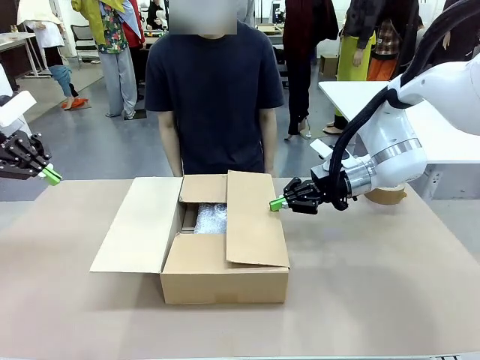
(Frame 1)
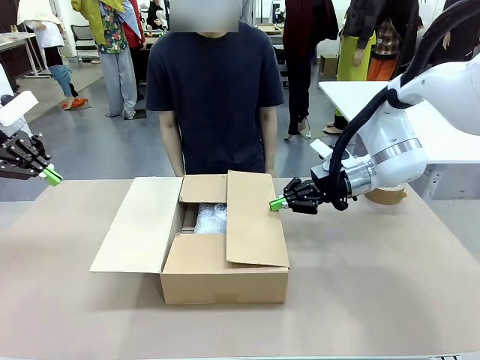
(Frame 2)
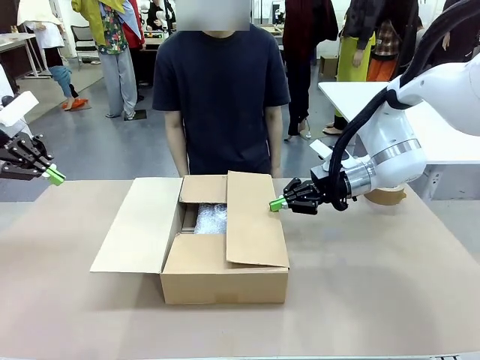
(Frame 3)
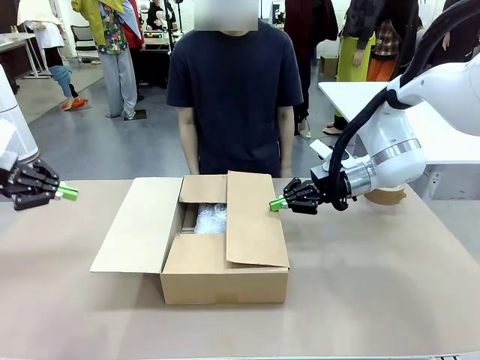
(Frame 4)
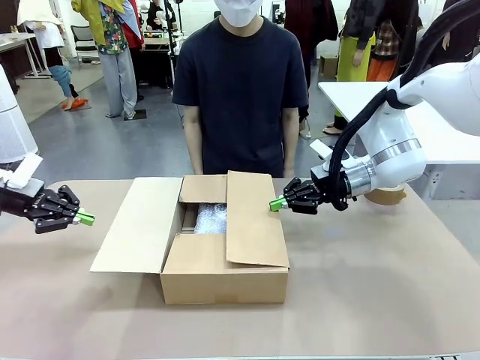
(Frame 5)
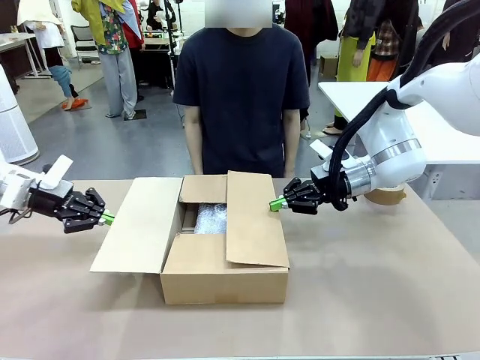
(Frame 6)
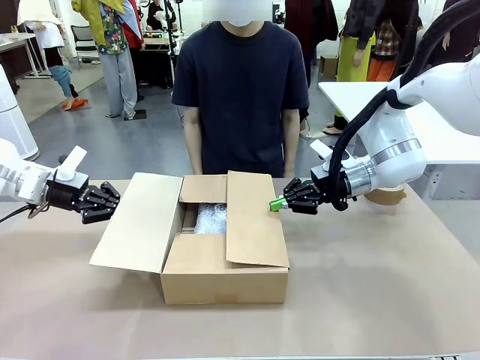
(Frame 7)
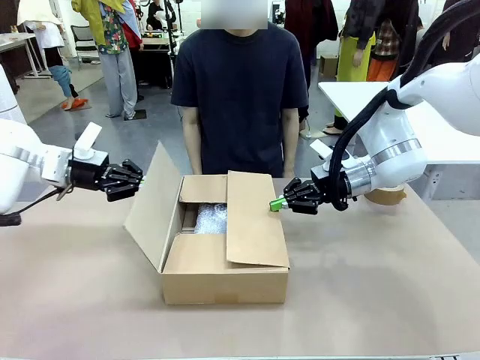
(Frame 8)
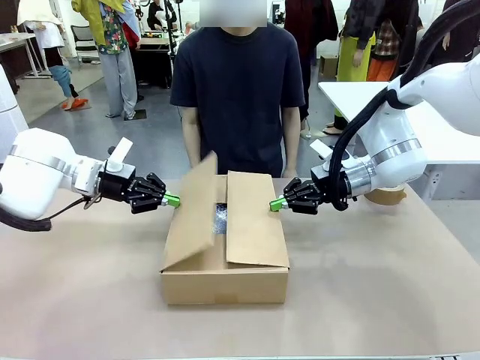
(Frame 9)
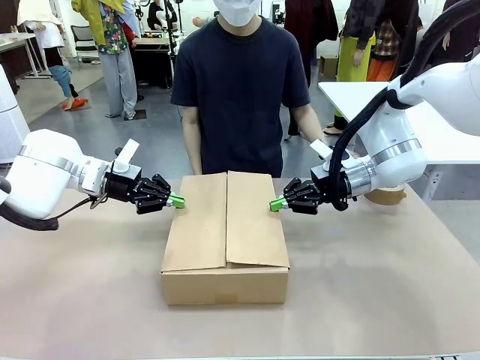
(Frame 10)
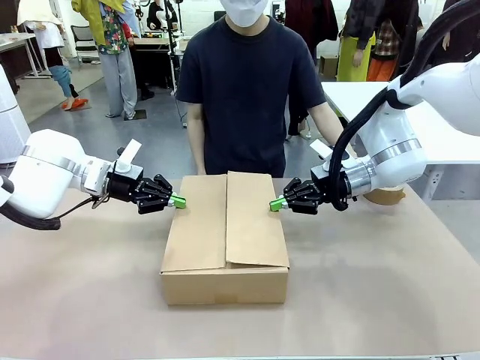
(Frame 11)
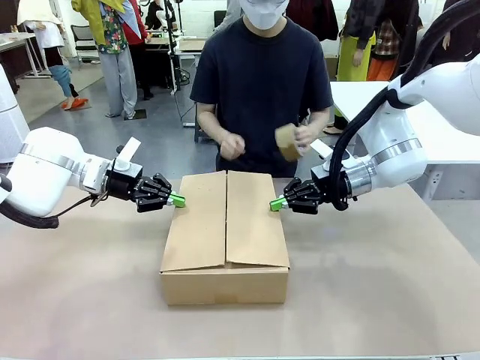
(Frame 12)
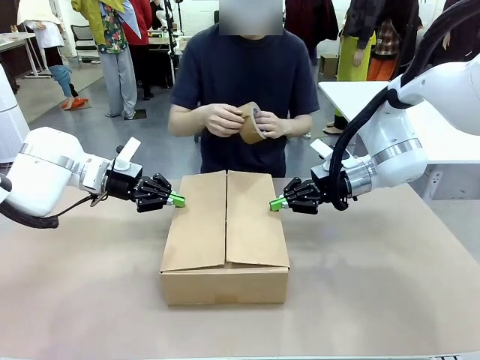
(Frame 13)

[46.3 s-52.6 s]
Task: Wrap the clocks to prevent damage.
Robot: Push the left (or right) flap of the Package Box to close it.

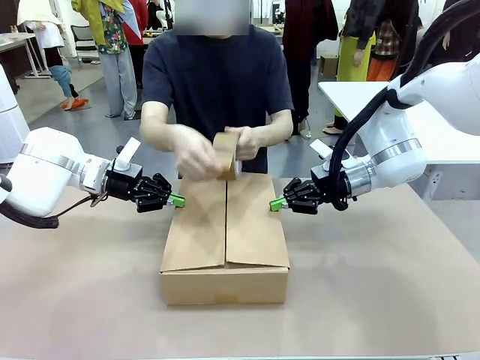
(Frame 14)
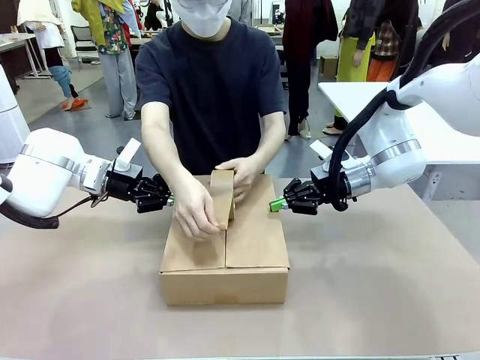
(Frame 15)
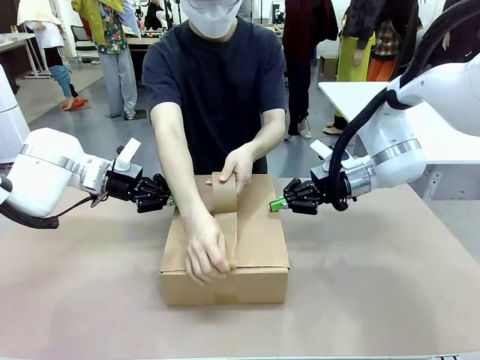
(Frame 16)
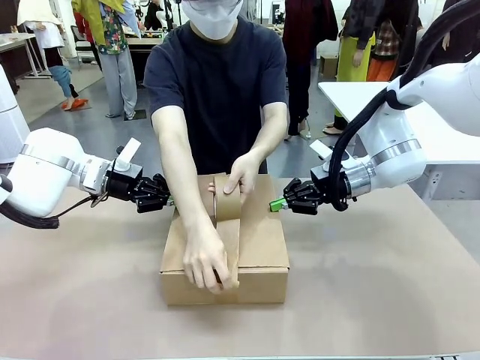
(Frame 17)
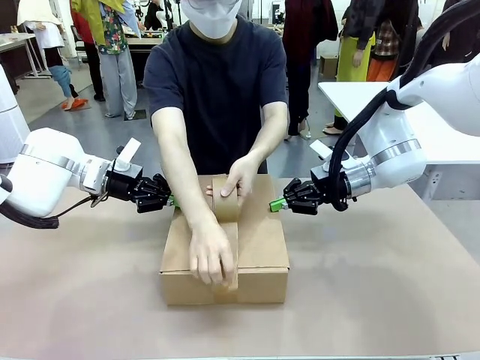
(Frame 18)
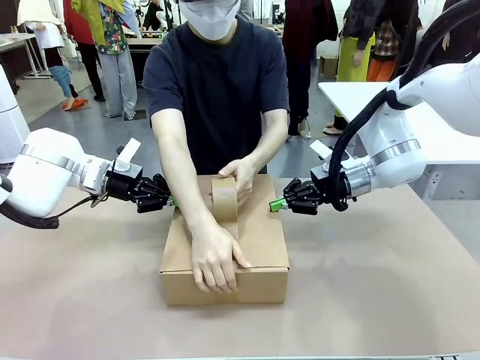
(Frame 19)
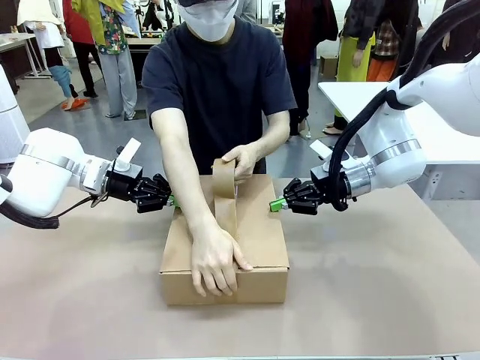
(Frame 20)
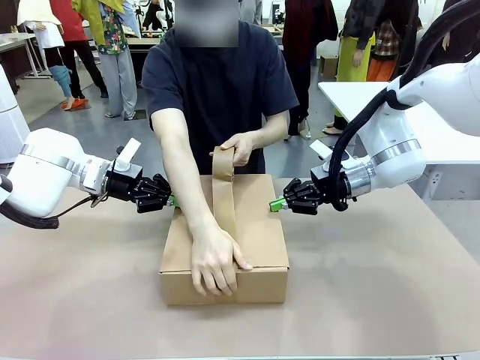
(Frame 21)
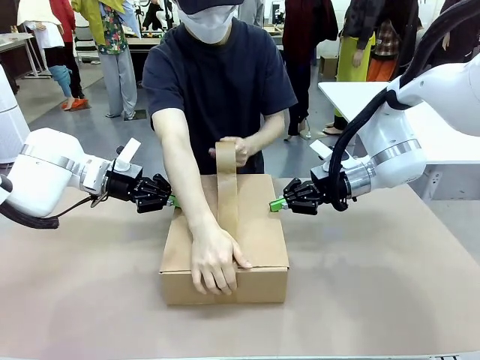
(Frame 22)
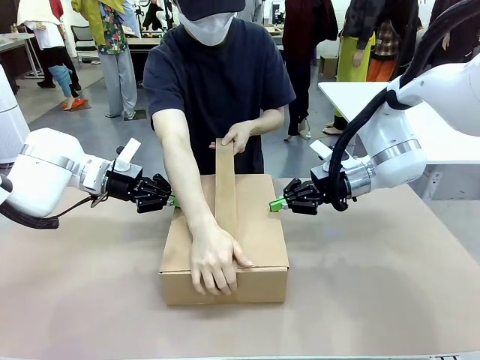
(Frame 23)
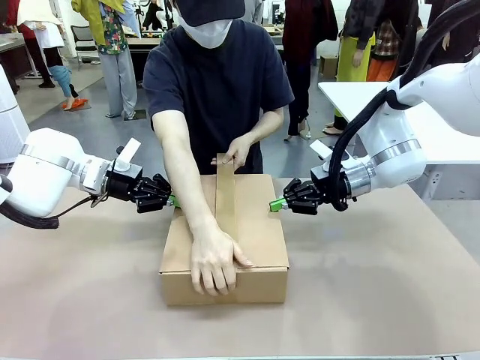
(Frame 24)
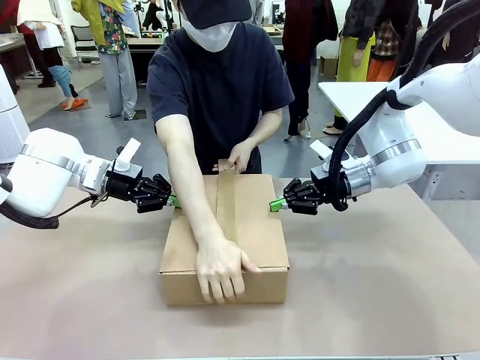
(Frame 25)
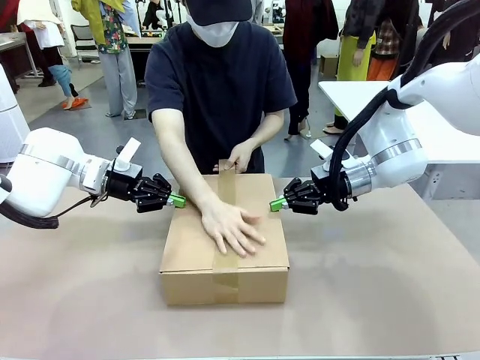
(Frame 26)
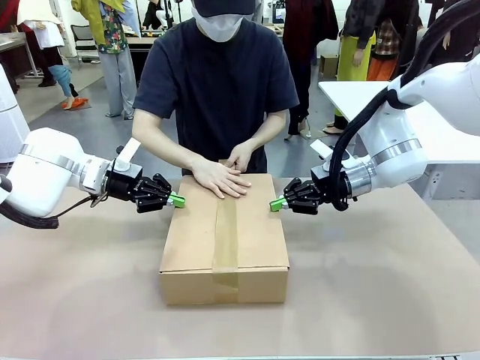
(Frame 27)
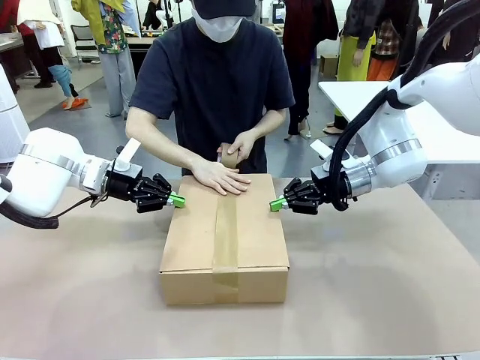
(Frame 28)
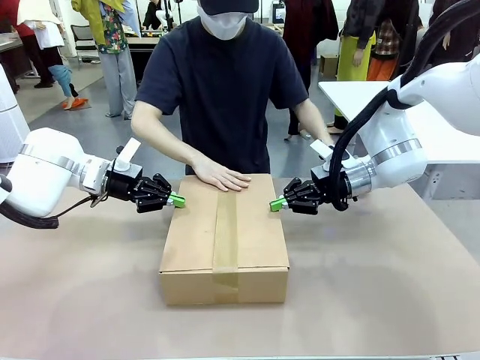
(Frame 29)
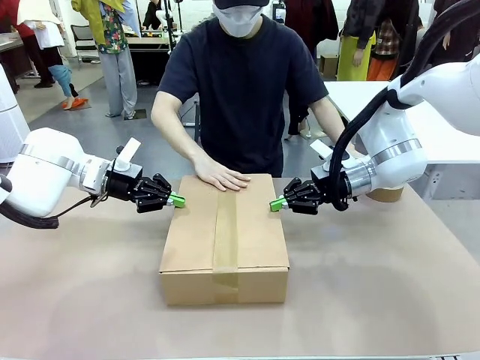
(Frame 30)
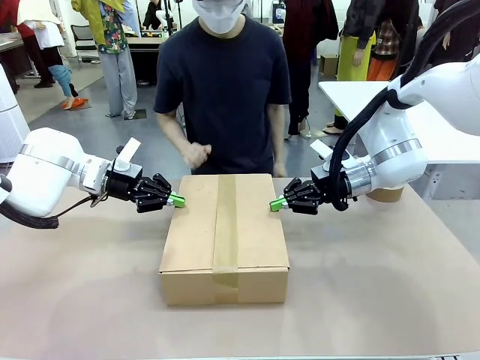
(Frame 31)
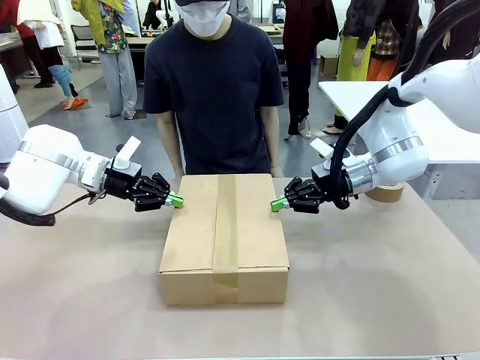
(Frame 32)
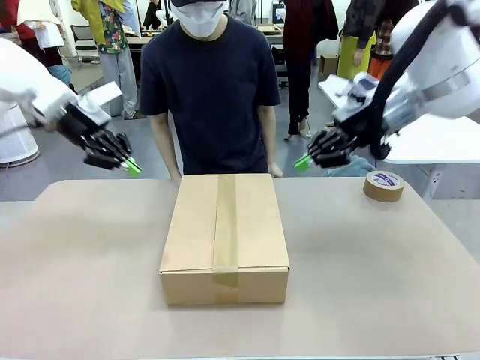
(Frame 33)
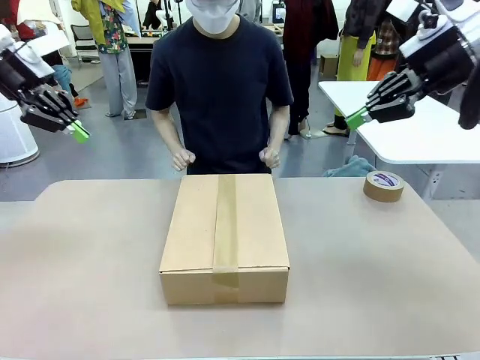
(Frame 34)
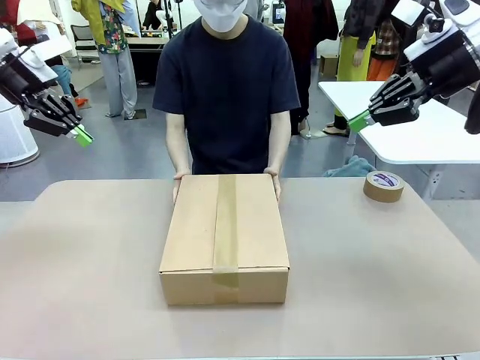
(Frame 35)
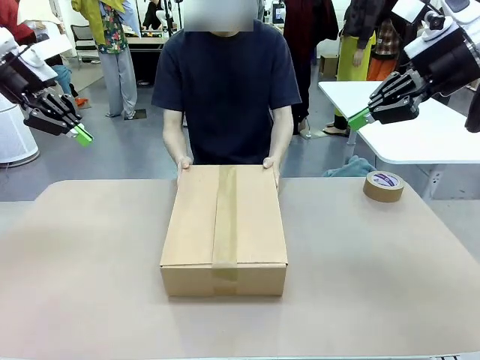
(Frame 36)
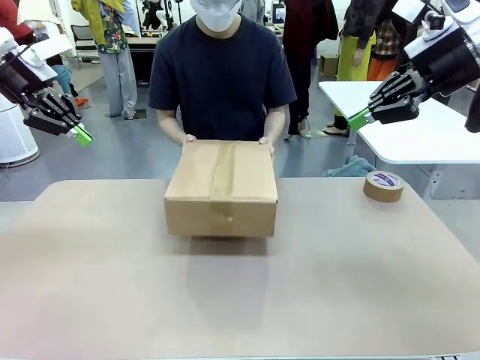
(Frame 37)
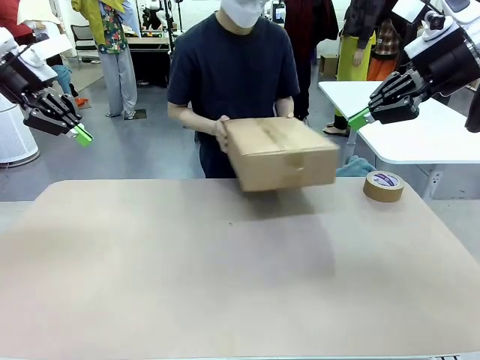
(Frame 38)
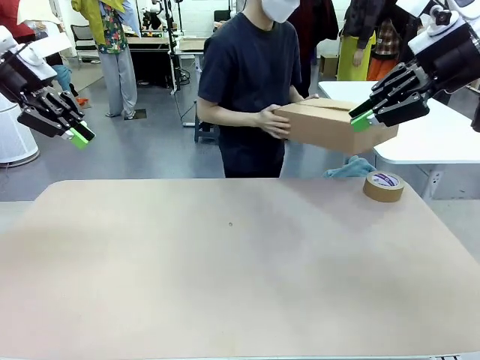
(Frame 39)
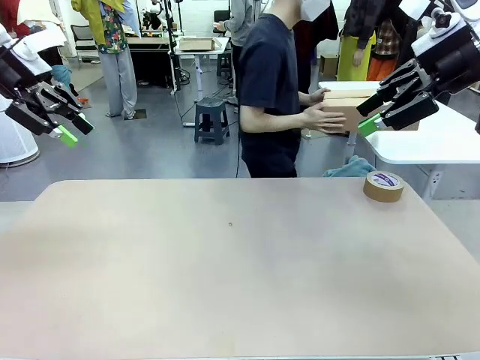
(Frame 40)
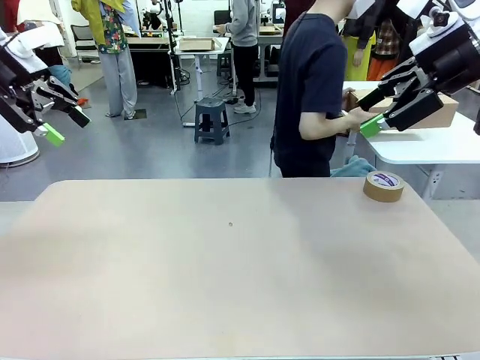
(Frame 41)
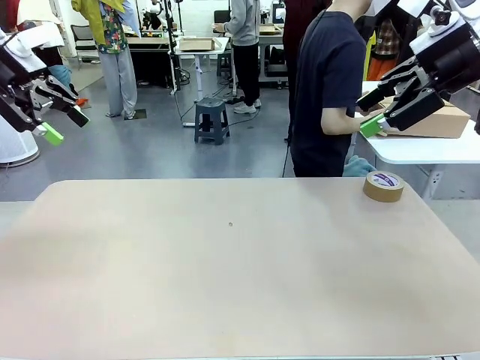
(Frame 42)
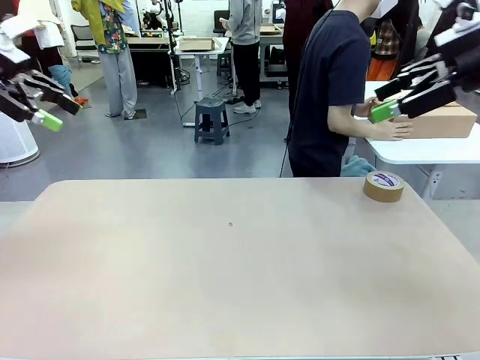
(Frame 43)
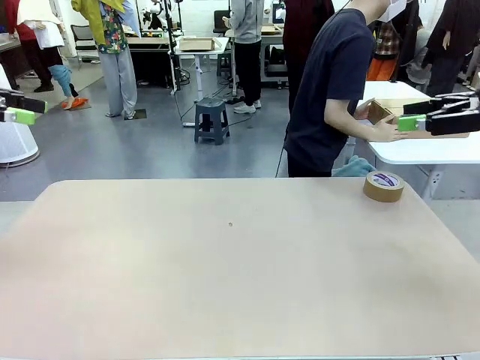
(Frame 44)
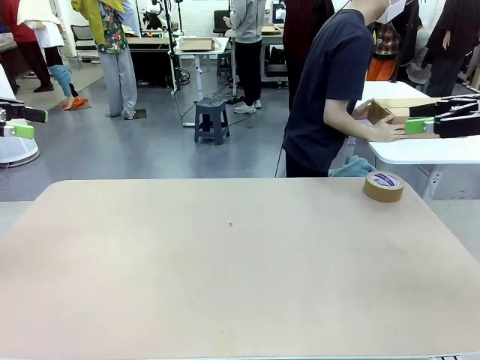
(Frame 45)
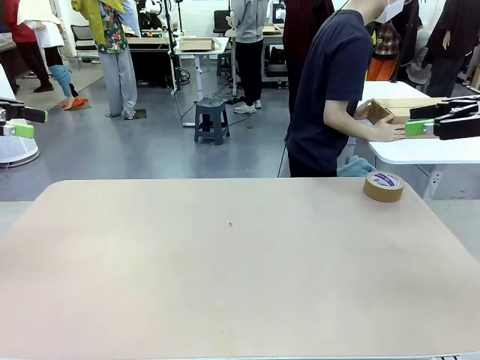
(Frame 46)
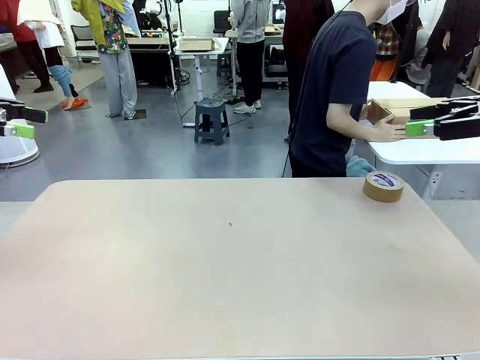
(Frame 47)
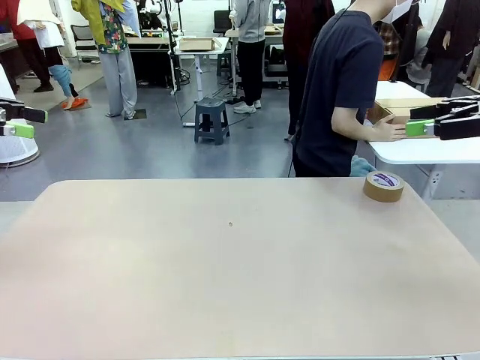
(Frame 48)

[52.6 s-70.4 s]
Robot: After the human seals the box with tape, release both hands from the side flaps of the Package Box.
Person: Once the robot closes the left flap of the Package Box , seal the box with Paper Tape. Place sealed Package Box in the middle of the human's table.

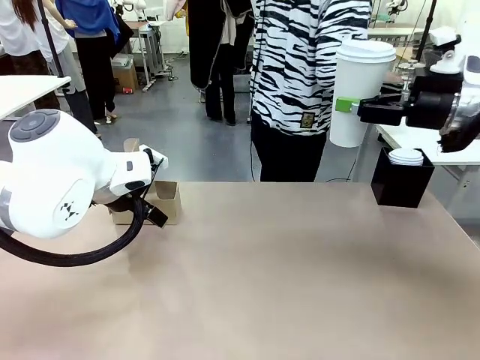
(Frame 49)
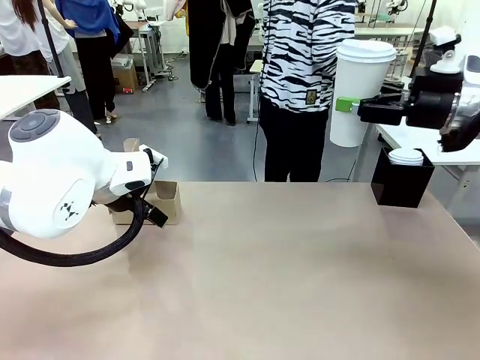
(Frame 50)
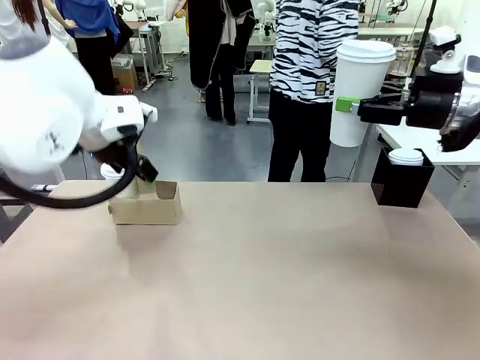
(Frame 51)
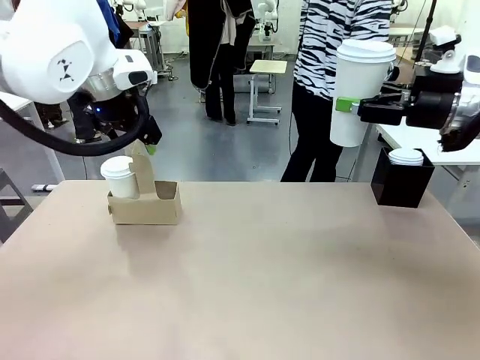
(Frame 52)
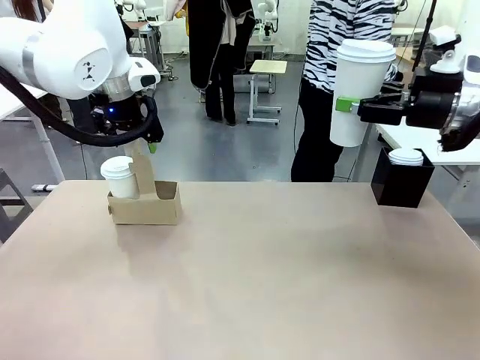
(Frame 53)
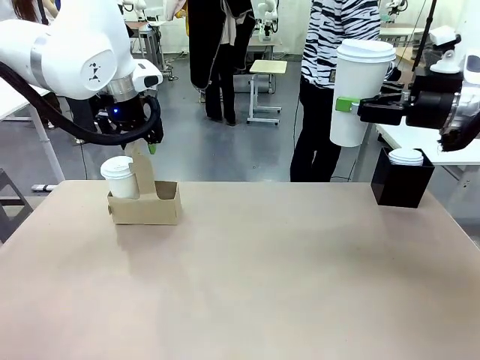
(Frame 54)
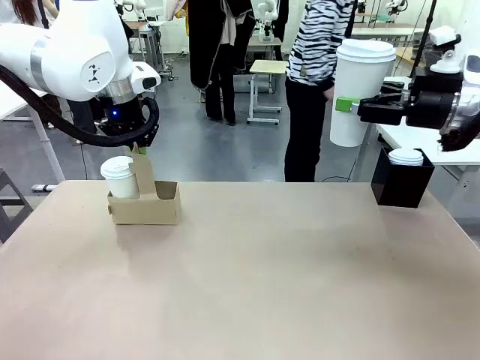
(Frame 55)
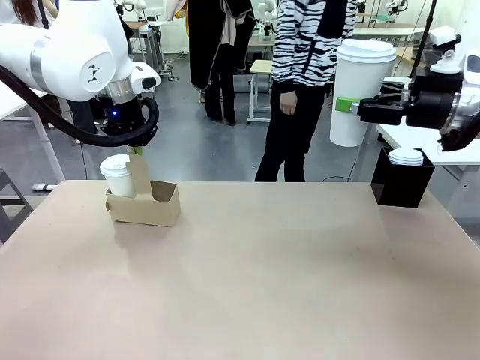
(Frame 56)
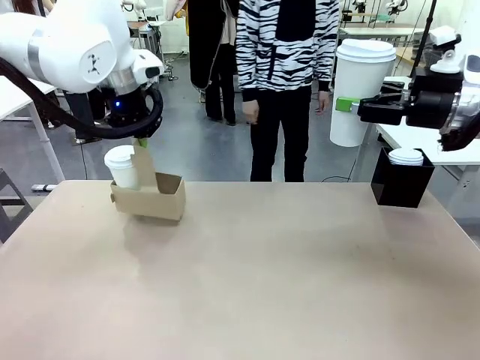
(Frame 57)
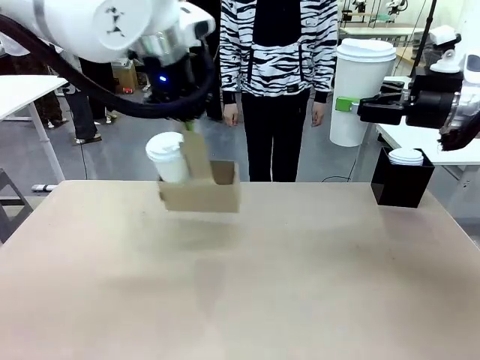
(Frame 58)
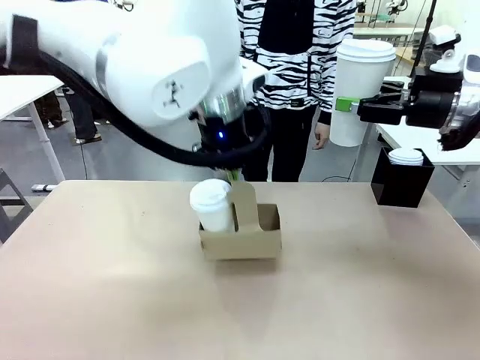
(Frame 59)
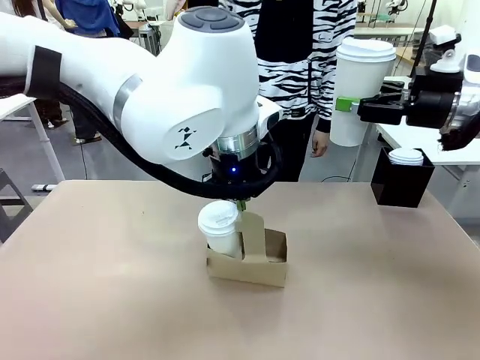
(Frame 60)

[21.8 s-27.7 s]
Task: Pour a drink into a cup and package it in a carrier.
Robot: Position the Cup Carrier in the center of the table.
Person: Pick up the Filter Brewing and place on the middle of Human table, and return to the Robot table.
